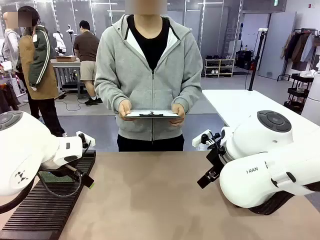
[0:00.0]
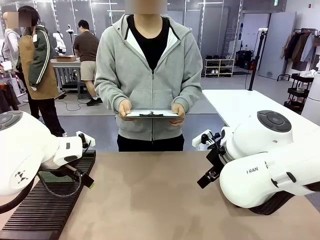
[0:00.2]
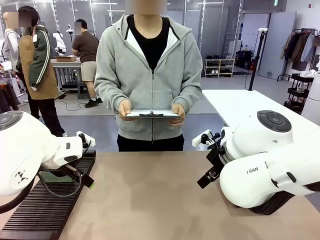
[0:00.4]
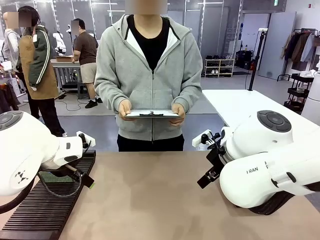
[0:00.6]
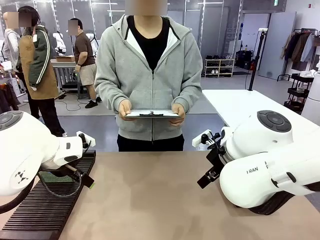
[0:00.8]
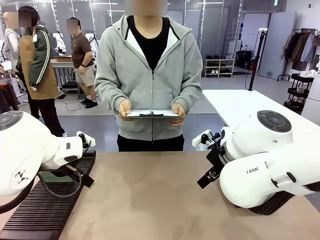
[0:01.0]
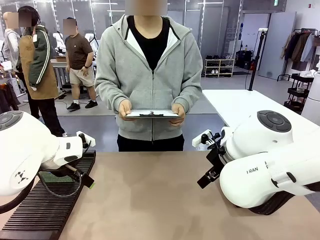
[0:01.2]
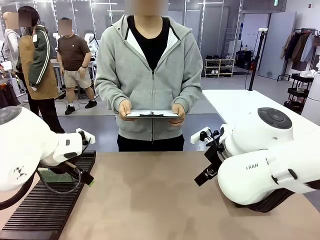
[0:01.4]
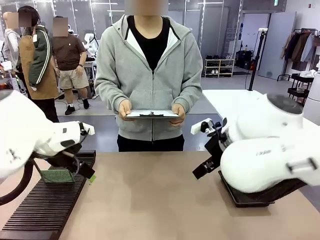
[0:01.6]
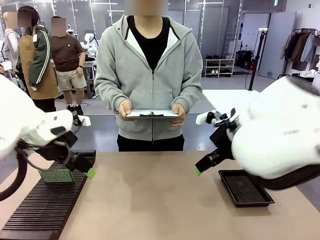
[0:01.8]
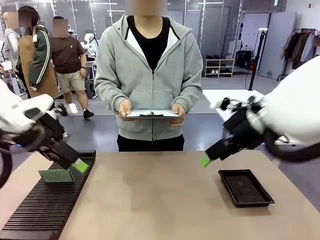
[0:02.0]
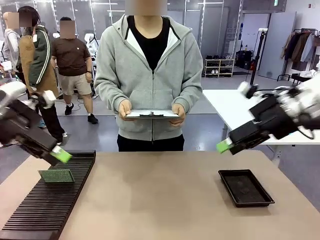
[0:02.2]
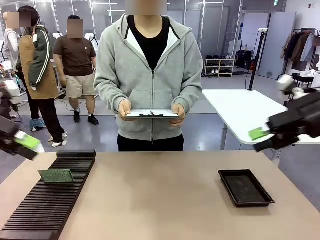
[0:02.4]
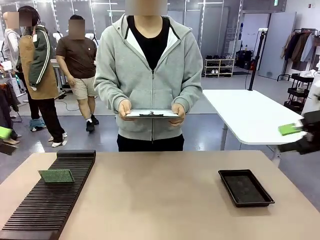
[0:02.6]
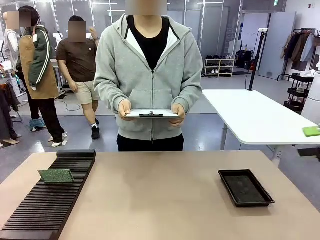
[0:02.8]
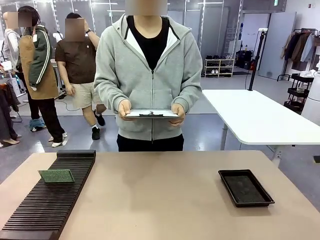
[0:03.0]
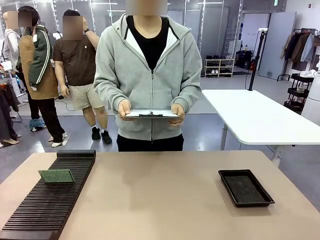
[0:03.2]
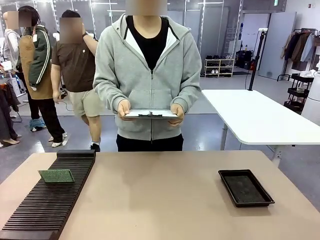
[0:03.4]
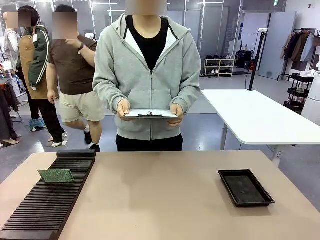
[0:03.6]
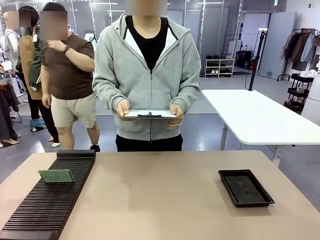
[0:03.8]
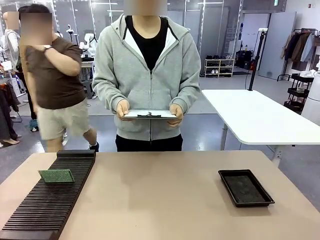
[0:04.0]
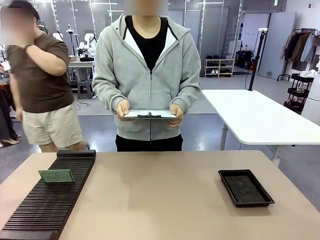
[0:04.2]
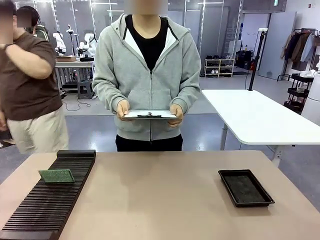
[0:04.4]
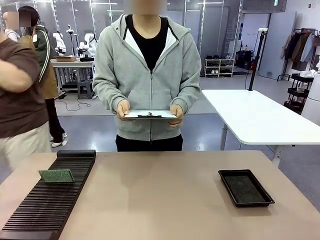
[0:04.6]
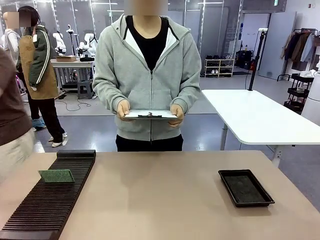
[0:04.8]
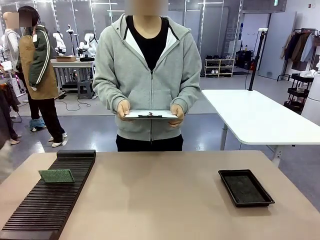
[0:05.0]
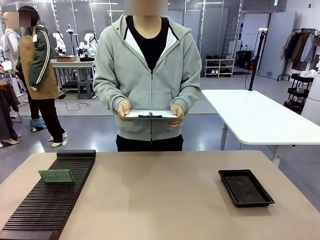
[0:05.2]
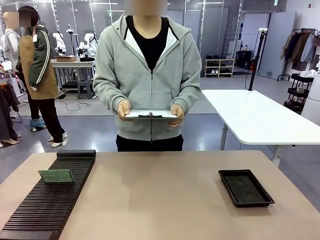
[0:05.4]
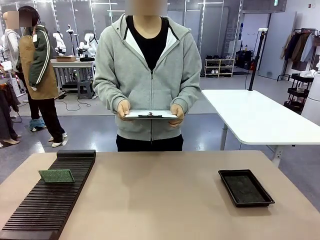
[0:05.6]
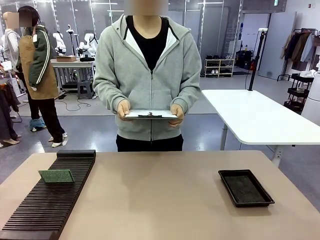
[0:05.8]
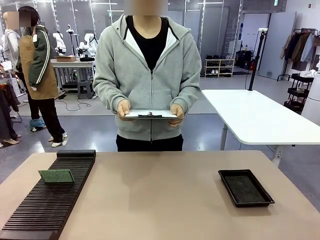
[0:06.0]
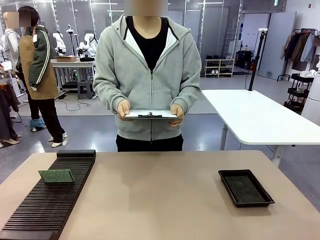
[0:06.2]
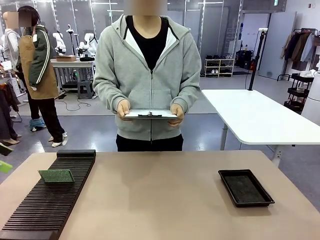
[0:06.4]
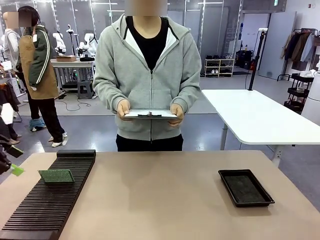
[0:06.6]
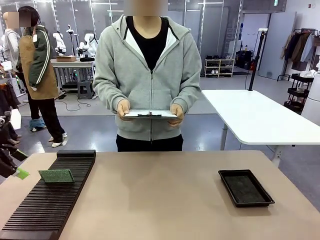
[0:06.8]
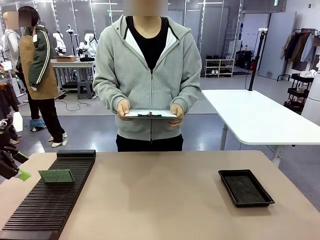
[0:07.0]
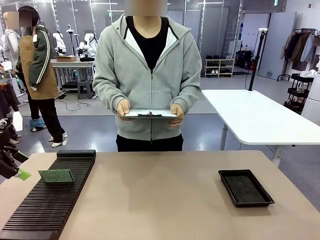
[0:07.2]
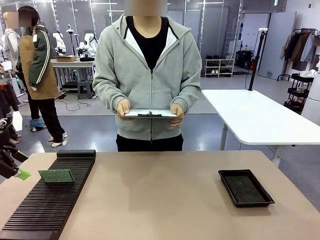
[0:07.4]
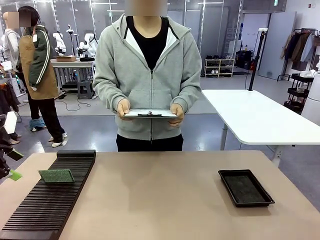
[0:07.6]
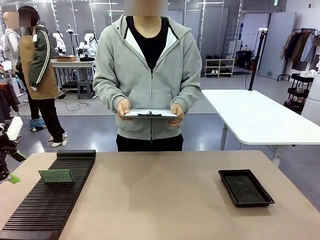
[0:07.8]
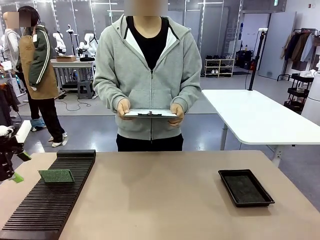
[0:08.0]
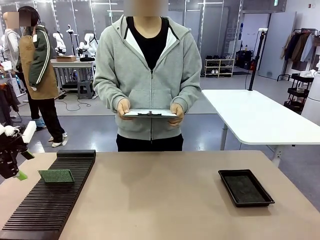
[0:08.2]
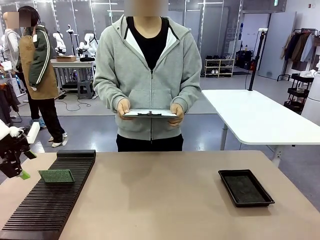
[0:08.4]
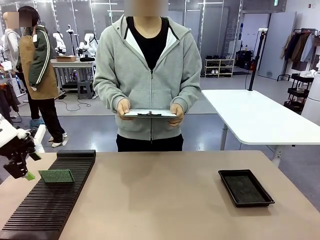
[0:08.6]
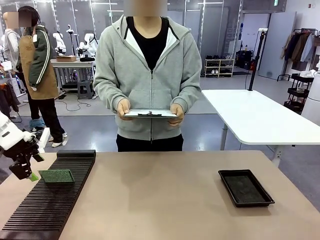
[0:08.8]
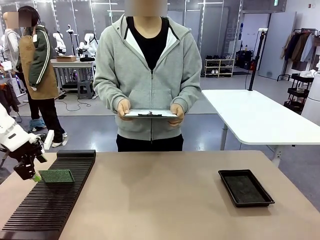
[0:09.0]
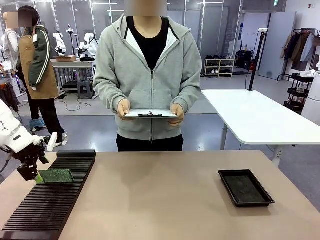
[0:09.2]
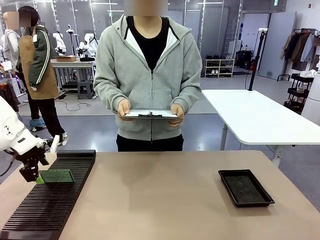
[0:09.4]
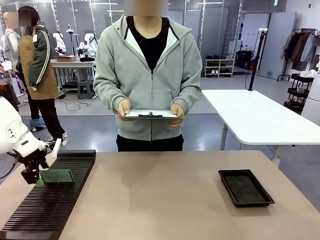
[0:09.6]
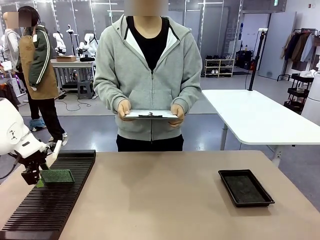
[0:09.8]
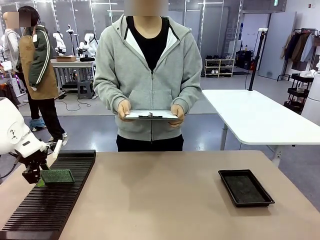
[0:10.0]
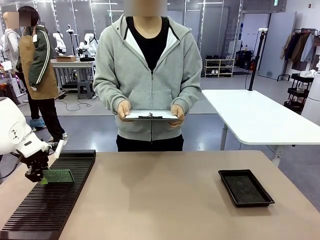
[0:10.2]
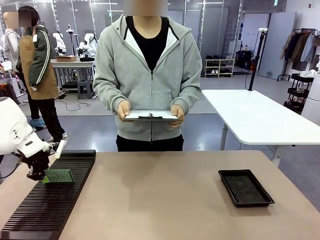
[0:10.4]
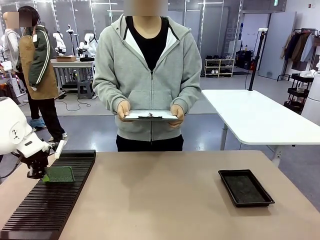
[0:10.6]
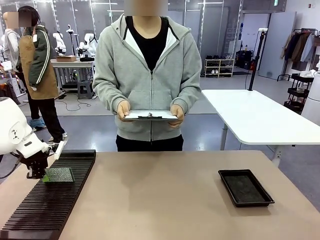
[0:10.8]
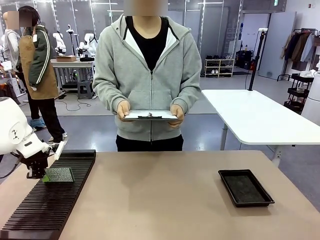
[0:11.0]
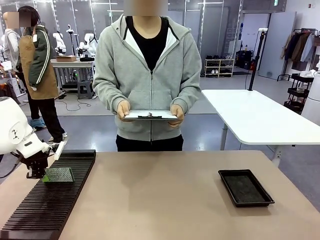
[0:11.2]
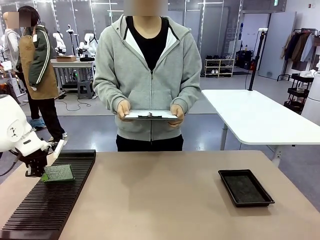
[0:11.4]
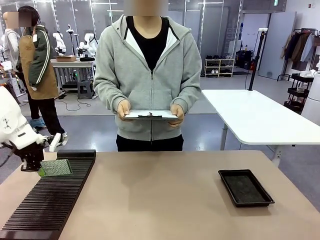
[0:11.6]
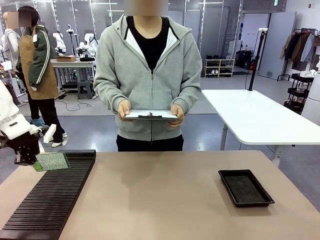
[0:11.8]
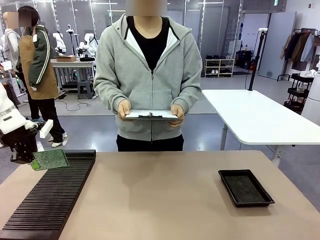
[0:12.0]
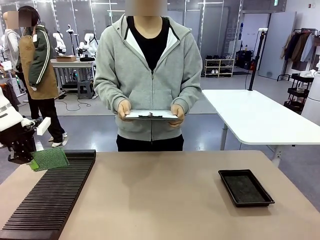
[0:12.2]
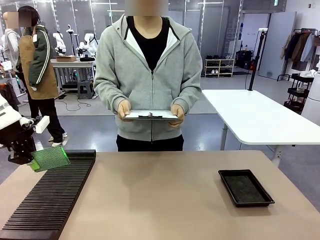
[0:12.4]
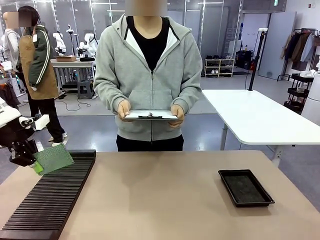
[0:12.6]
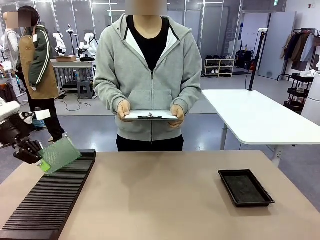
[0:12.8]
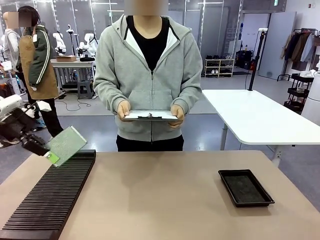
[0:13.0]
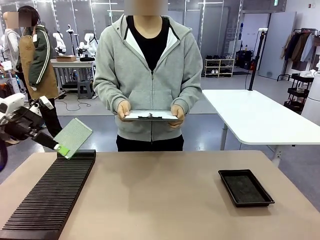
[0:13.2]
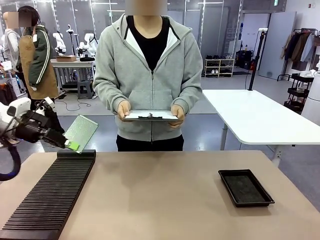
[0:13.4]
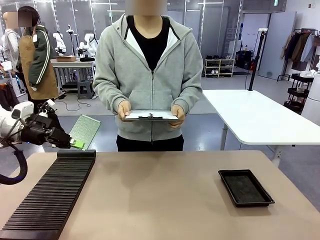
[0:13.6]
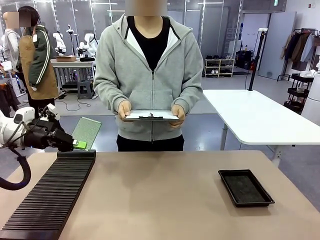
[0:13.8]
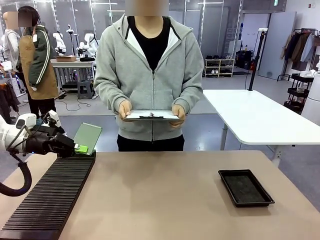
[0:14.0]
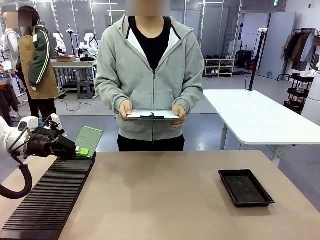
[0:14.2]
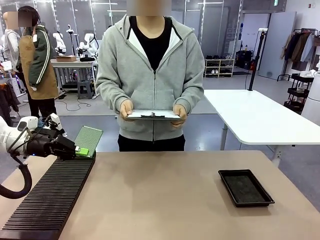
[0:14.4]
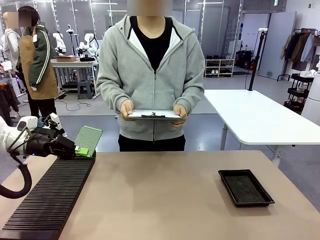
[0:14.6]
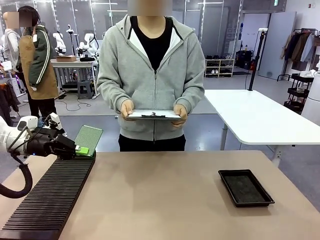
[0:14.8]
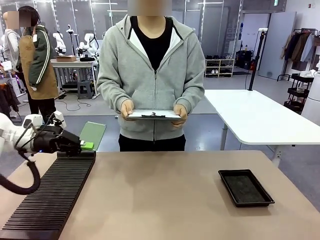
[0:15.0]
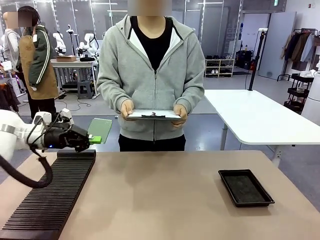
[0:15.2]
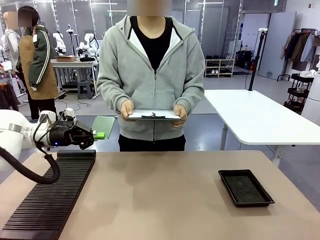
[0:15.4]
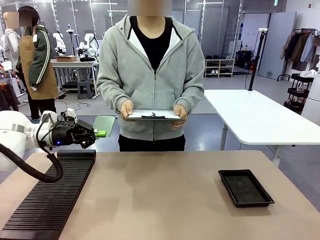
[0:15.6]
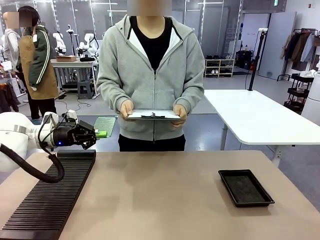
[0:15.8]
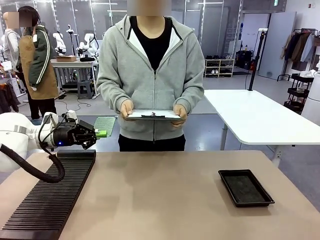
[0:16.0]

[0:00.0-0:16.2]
Task: Inspect the PCB.
Robot: Pick up the Blank PCB and present it to the human.
Person: Pick up the PCB presented by the robot.

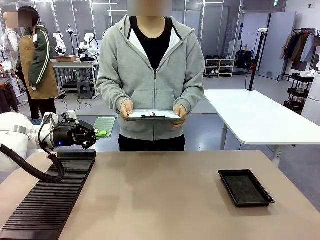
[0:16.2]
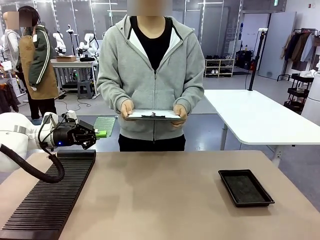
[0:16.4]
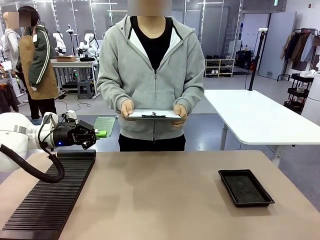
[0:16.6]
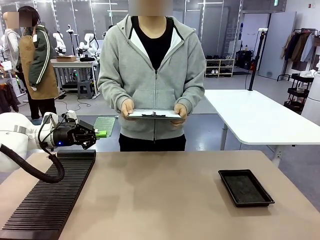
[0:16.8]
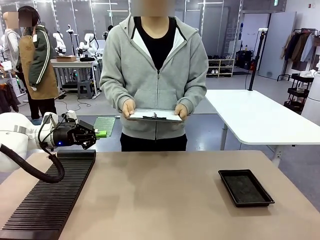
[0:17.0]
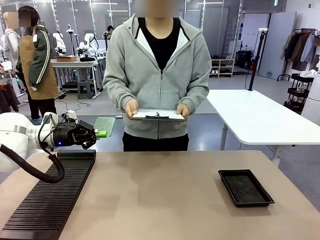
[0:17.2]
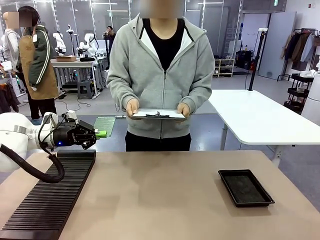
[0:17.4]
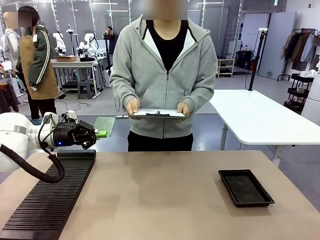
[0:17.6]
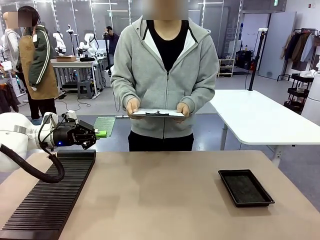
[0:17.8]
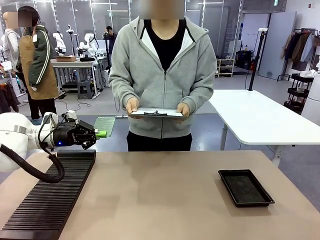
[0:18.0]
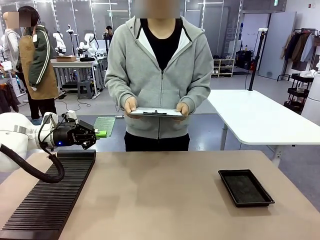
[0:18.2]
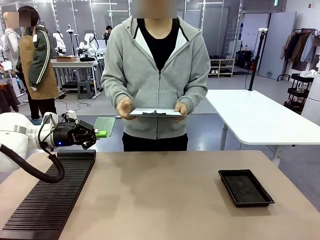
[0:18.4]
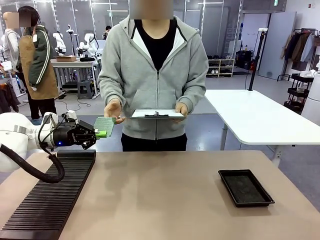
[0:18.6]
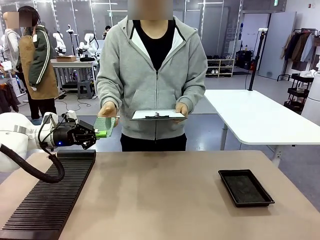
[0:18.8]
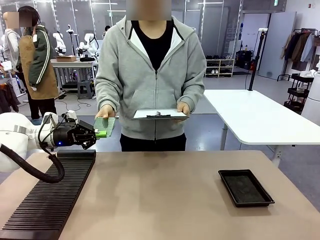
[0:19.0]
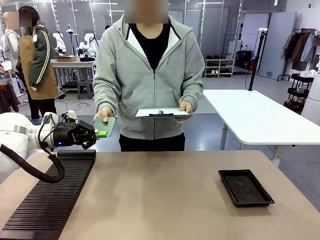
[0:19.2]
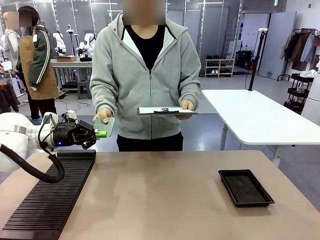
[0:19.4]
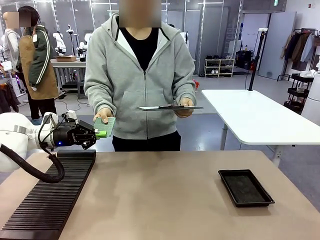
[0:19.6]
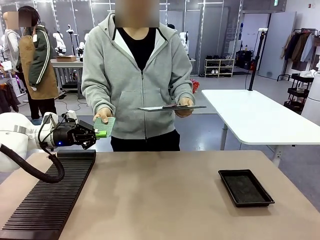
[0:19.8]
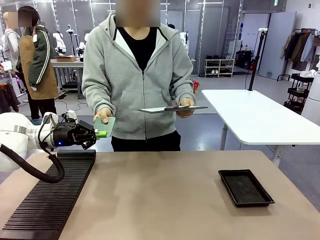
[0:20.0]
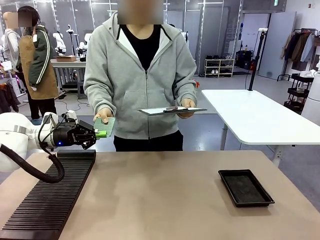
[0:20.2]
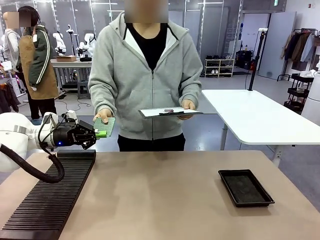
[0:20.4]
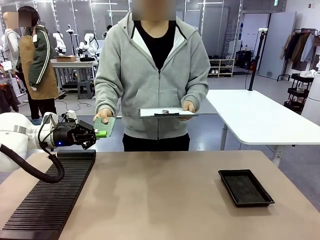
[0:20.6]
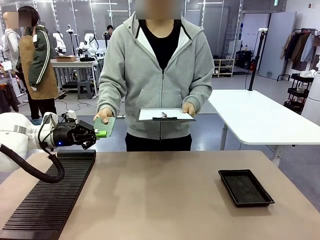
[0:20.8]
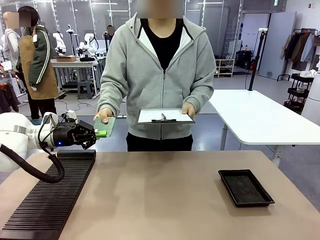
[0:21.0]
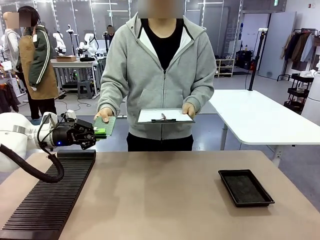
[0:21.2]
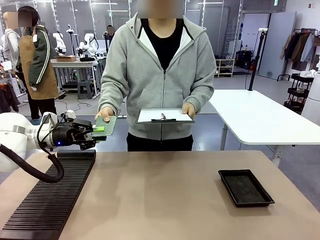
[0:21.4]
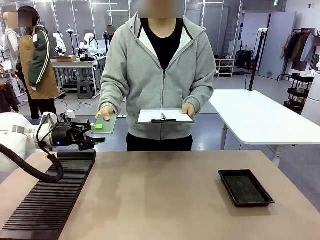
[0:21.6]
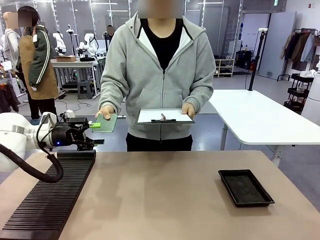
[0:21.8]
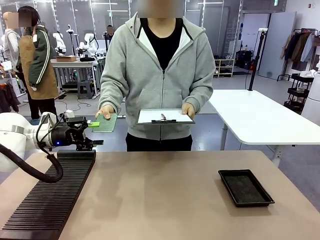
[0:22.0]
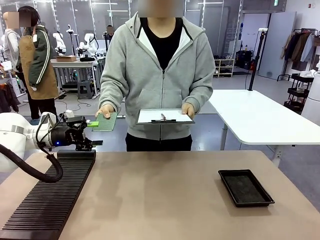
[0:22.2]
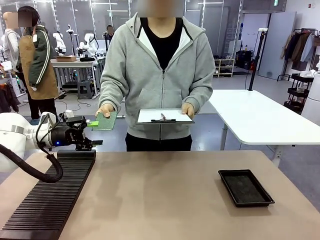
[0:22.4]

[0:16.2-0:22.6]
Robot: Release the Blank PCB you were holding.
